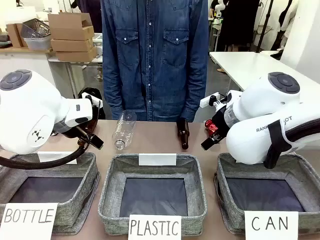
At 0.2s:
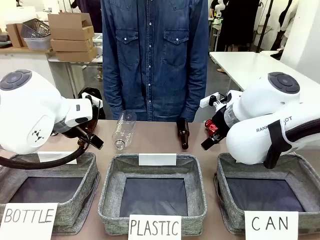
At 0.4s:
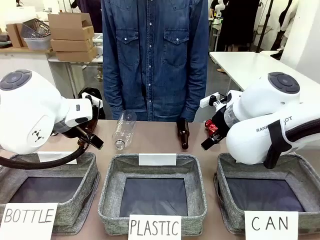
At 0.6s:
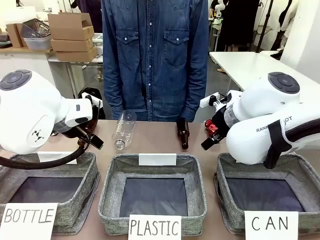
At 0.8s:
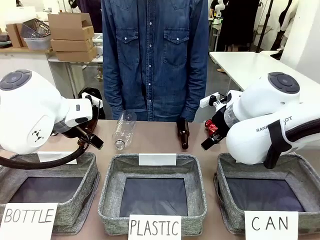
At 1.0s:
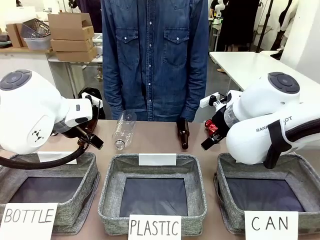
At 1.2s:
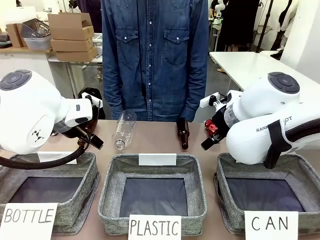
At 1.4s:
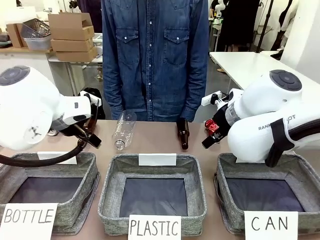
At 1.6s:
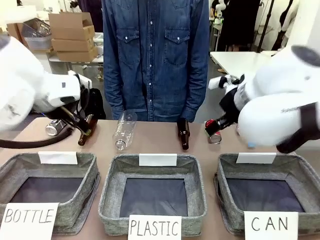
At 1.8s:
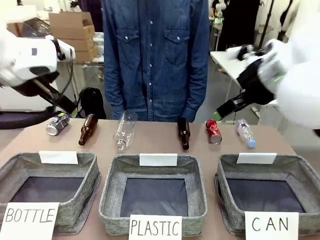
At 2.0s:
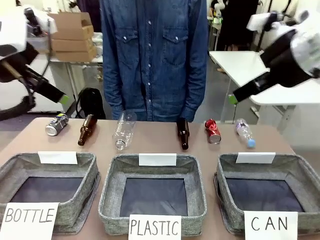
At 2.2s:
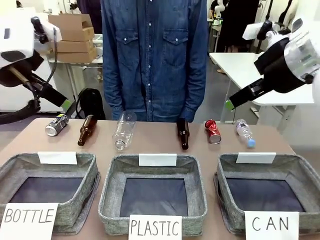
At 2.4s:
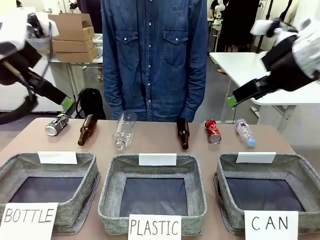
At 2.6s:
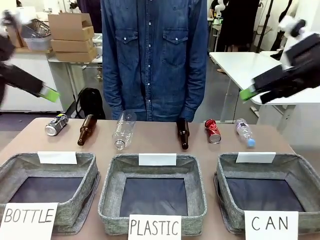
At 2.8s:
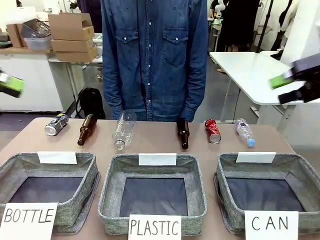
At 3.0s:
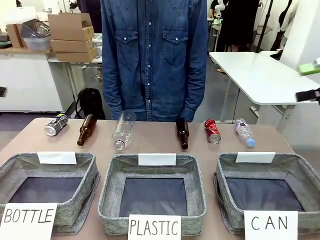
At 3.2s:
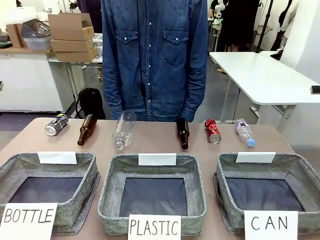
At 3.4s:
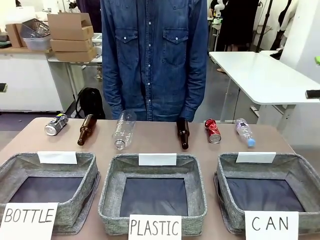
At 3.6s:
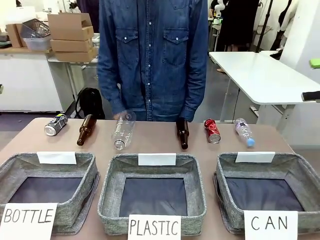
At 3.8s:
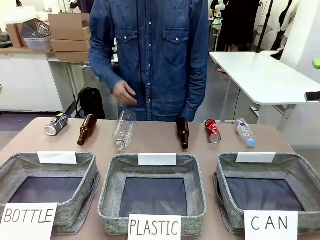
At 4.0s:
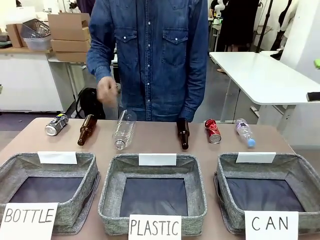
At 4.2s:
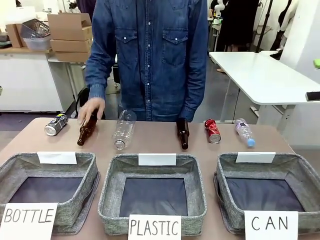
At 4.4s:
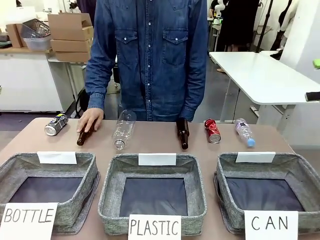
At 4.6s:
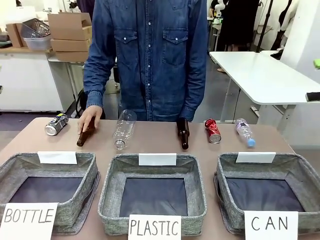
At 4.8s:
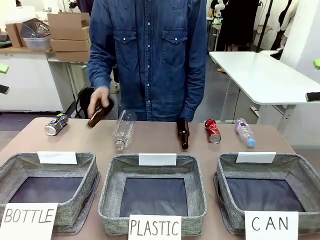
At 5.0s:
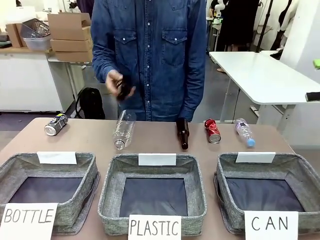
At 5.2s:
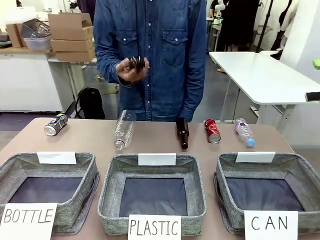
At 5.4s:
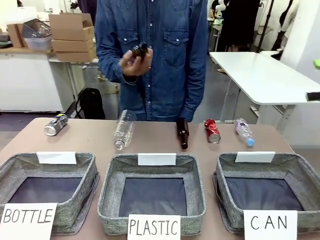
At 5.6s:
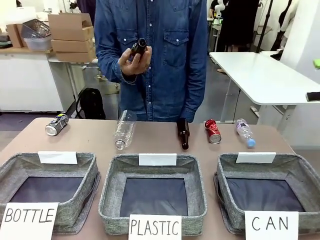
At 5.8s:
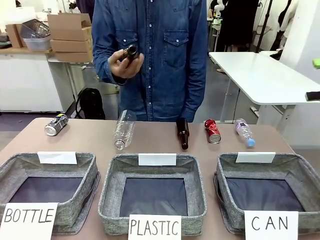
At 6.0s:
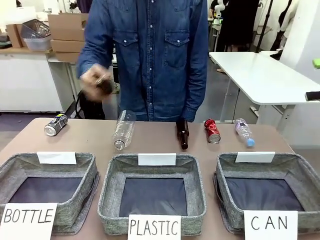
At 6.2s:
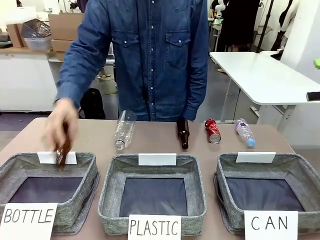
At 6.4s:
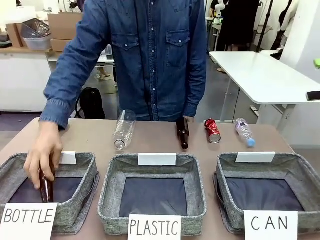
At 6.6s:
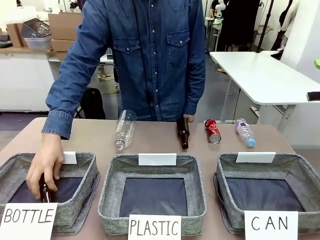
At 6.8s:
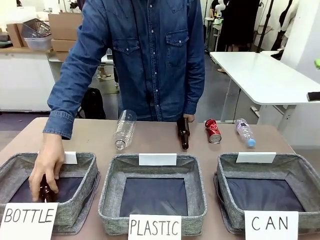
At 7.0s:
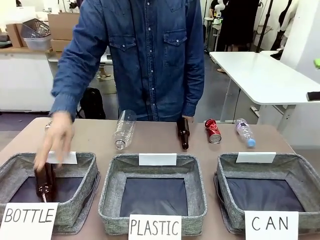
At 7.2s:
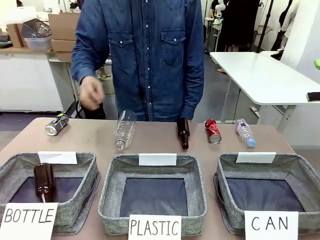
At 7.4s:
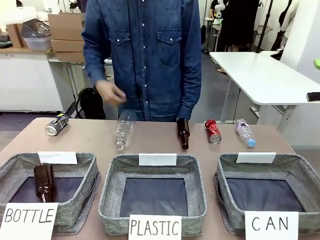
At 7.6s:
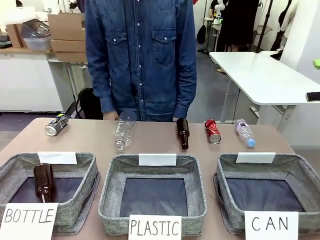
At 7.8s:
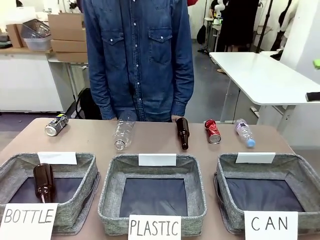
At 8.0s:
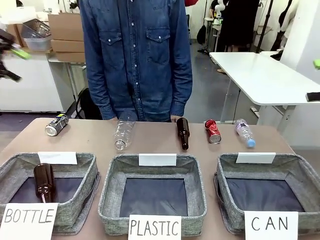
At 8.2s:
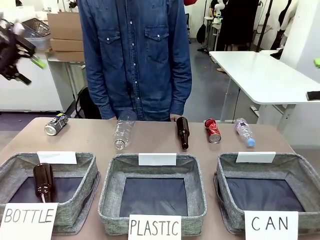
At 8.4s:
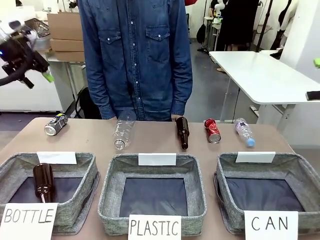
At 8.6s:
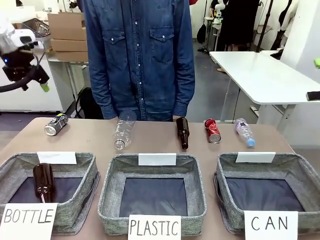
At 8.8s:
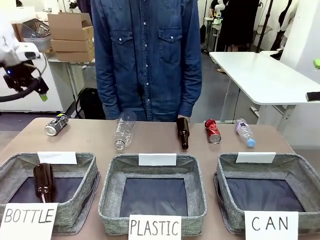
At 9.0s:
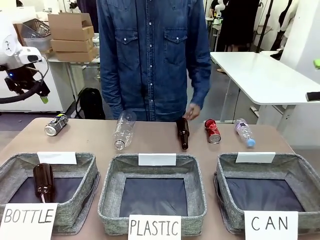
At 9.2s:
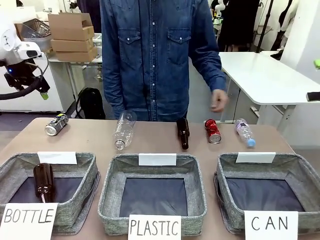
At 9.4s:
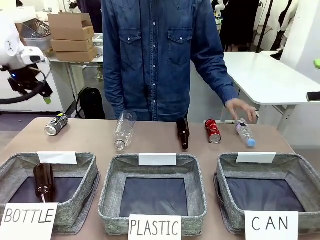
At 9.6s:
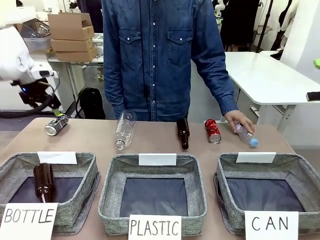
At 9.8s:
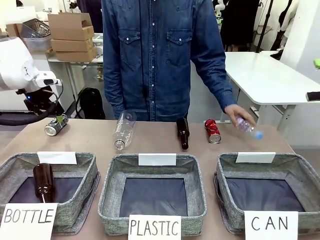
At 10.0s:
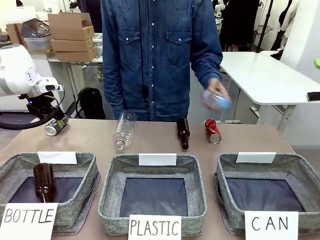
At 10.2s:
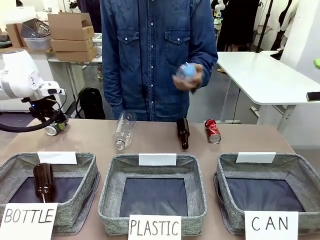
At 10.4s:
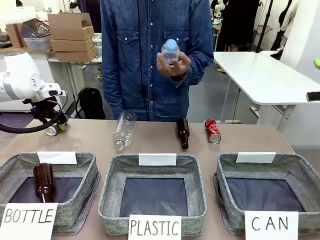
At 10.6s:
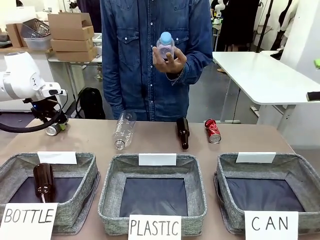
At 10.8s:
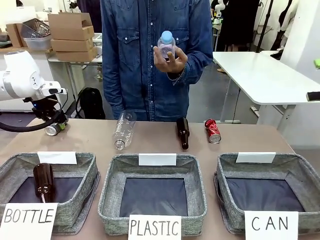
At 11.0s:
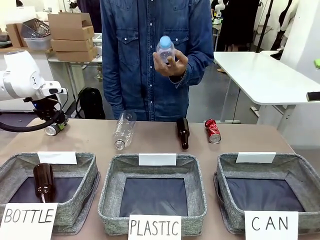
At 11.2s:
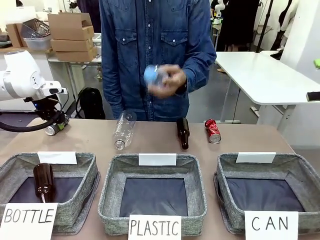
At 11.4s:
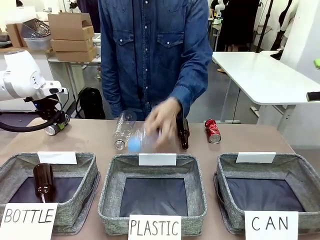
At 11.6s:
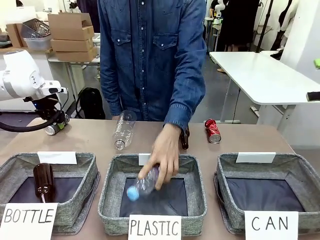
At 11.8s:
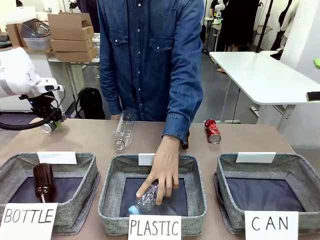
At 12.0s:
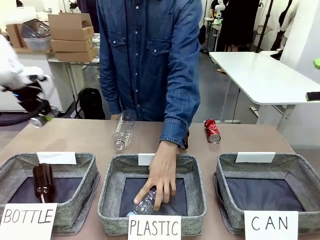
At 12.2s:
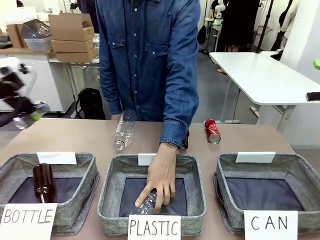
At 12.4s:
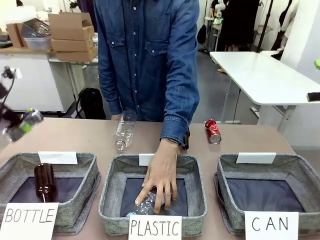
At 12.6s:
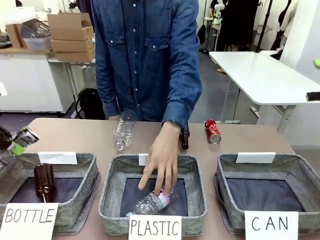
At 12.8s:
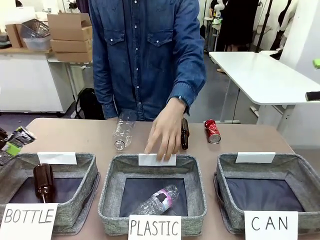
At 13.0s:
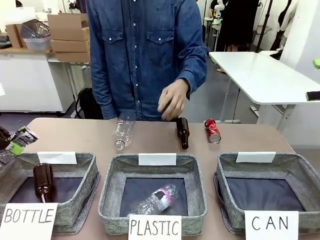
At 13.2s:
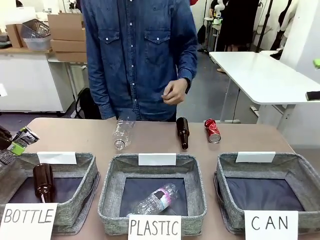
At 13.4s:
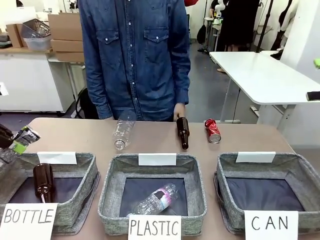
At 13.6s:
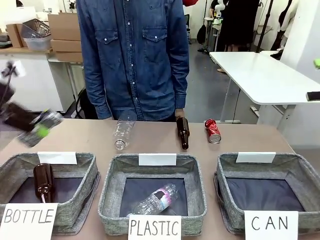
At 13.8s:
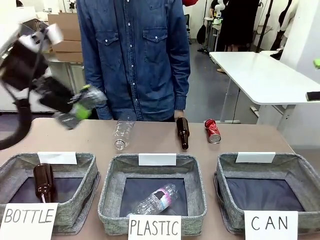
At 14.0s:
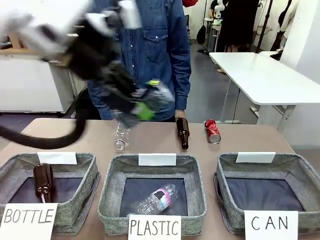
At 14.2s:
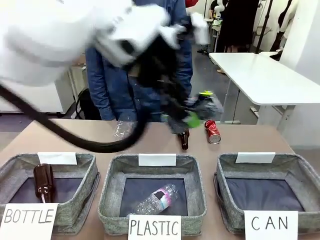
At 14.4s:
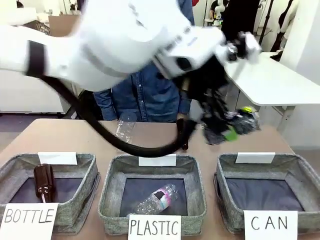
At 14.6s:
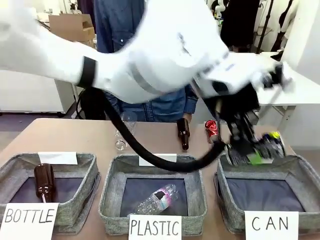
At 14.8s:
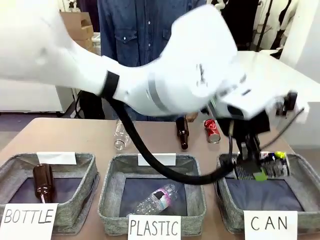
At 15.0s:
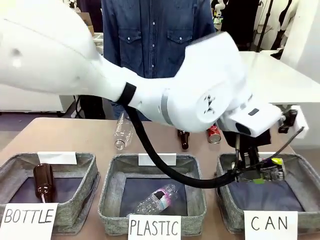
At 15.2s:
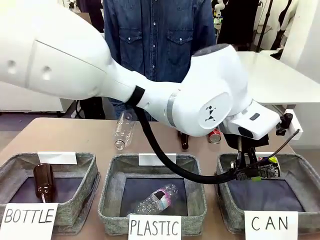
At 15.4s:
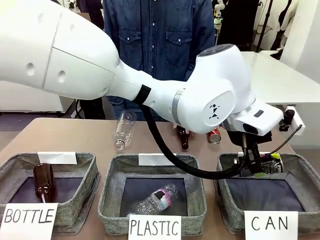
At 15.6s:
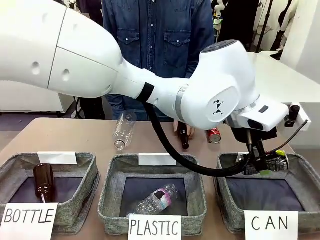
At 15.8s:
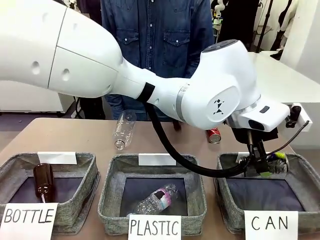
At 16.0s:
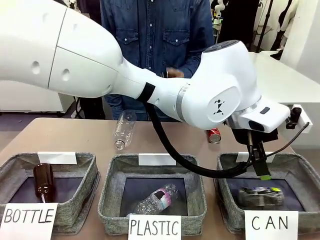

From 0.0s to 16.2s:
Task: Sort the can waste into the basket.
Robot: Pick up the can waste from the table and place it in the right Fabric basket.
